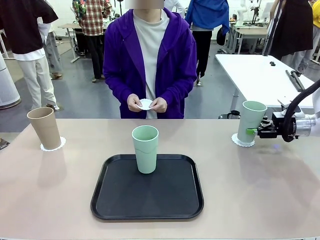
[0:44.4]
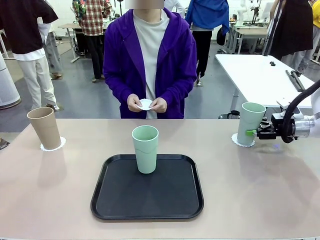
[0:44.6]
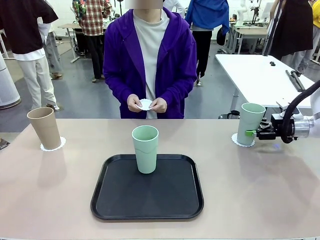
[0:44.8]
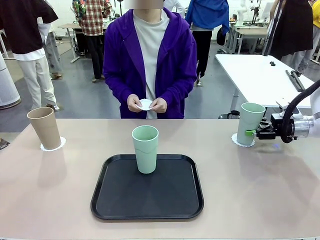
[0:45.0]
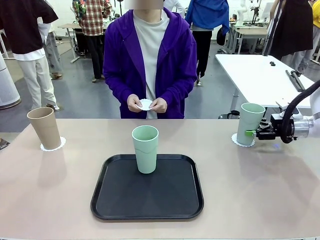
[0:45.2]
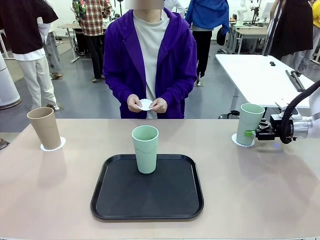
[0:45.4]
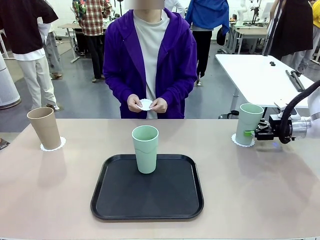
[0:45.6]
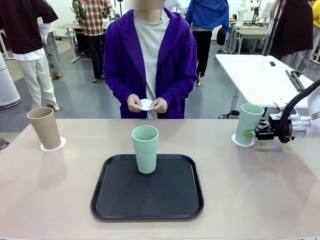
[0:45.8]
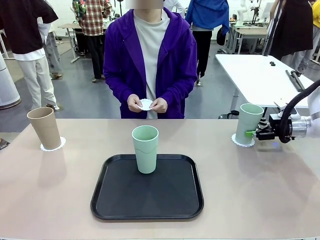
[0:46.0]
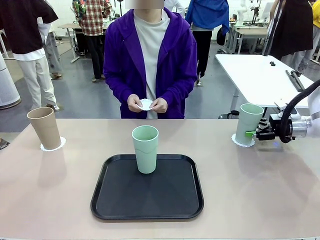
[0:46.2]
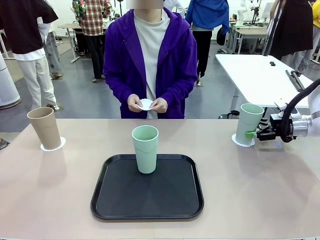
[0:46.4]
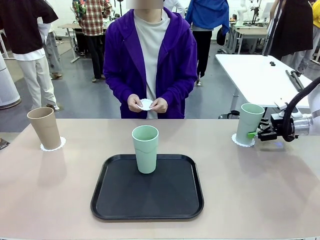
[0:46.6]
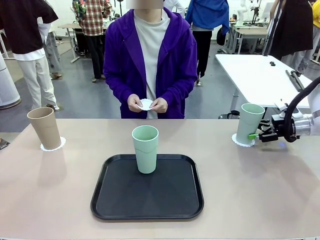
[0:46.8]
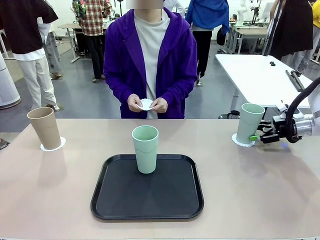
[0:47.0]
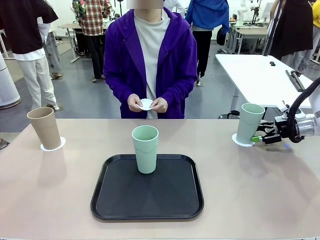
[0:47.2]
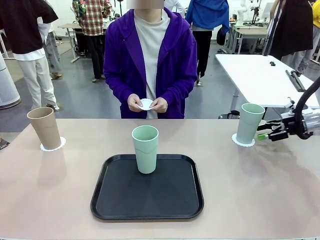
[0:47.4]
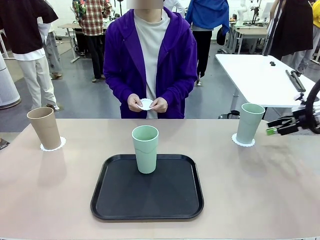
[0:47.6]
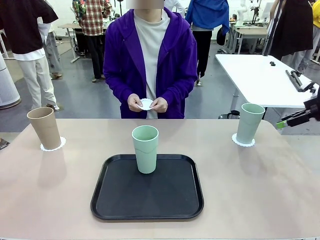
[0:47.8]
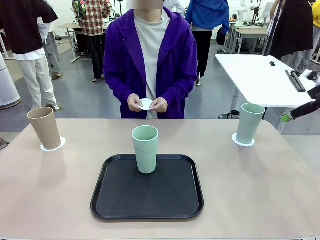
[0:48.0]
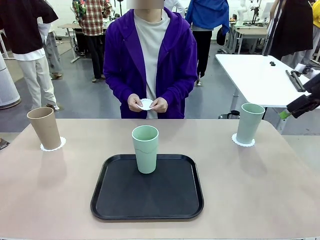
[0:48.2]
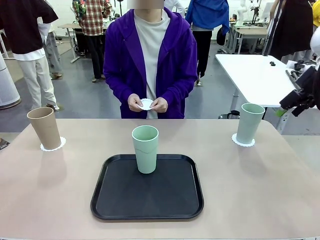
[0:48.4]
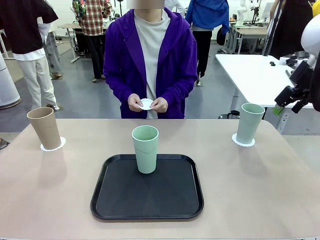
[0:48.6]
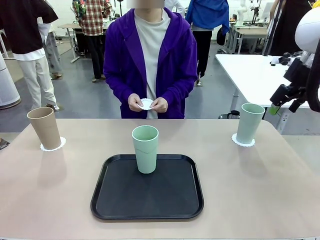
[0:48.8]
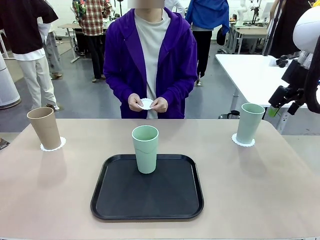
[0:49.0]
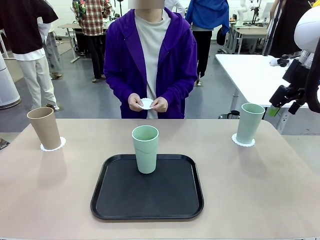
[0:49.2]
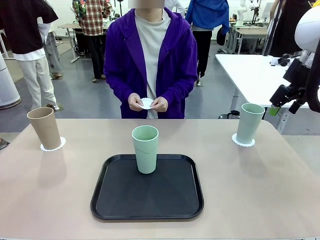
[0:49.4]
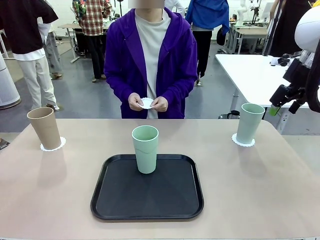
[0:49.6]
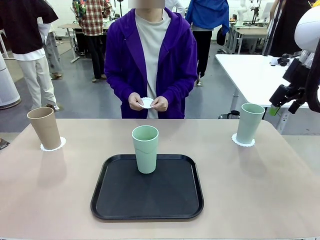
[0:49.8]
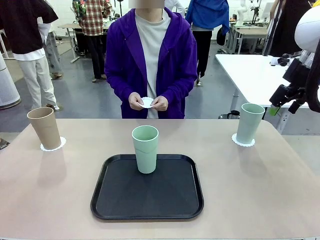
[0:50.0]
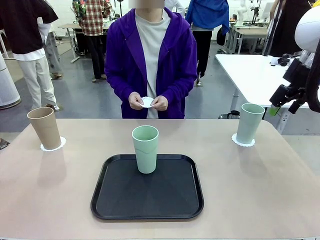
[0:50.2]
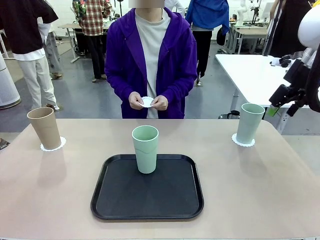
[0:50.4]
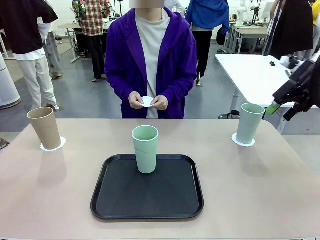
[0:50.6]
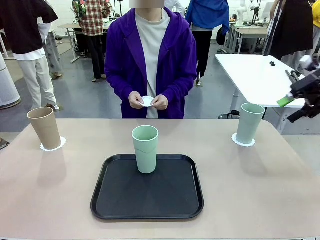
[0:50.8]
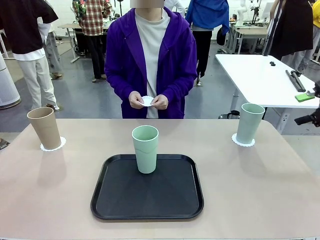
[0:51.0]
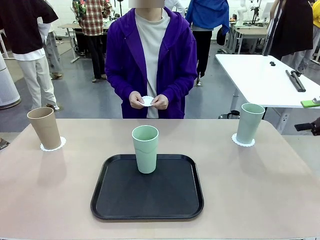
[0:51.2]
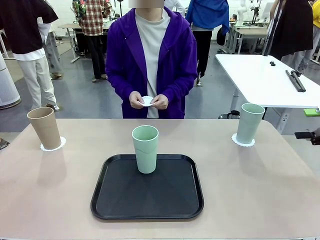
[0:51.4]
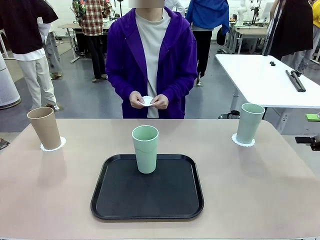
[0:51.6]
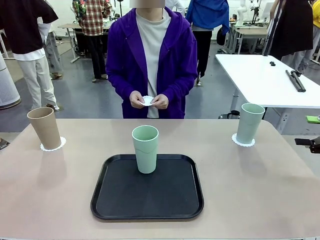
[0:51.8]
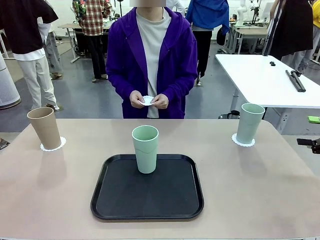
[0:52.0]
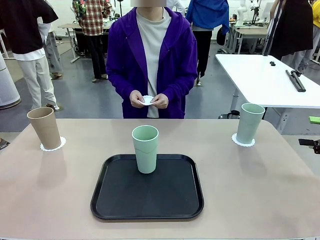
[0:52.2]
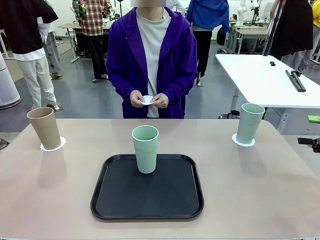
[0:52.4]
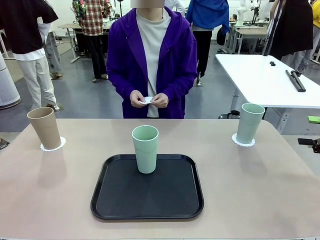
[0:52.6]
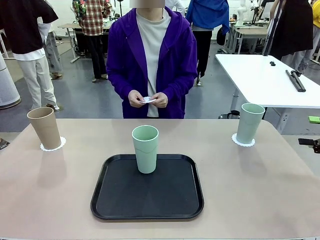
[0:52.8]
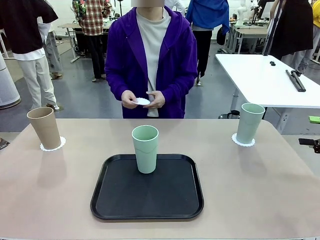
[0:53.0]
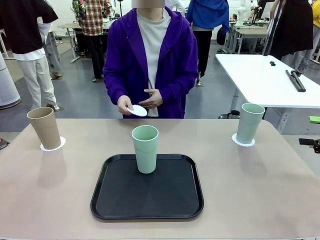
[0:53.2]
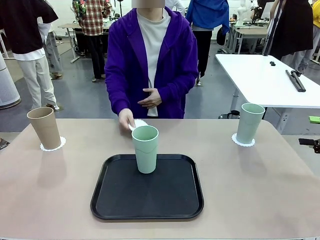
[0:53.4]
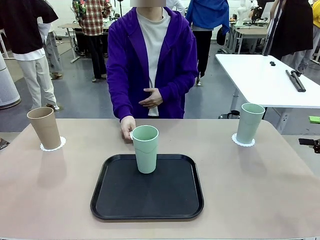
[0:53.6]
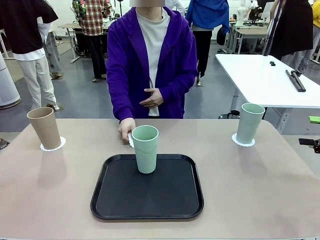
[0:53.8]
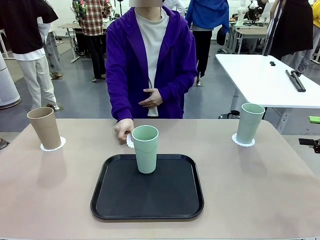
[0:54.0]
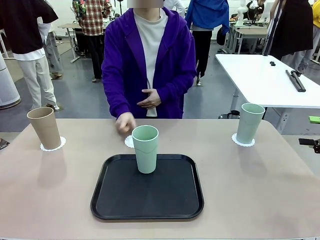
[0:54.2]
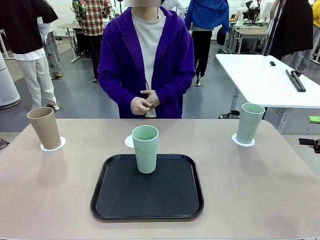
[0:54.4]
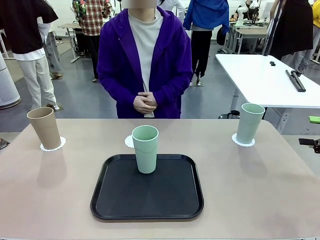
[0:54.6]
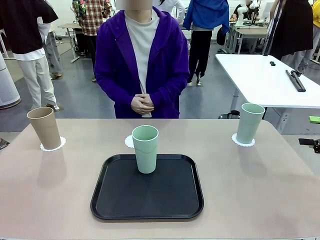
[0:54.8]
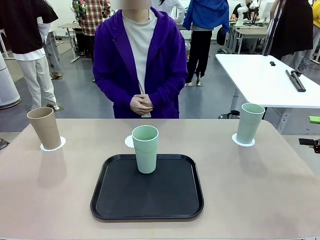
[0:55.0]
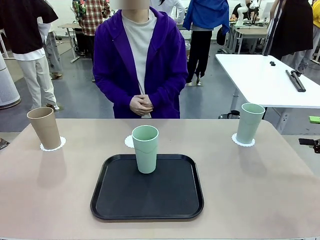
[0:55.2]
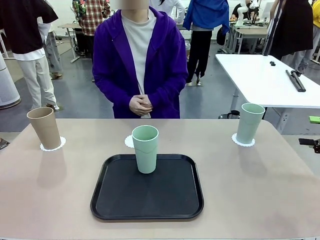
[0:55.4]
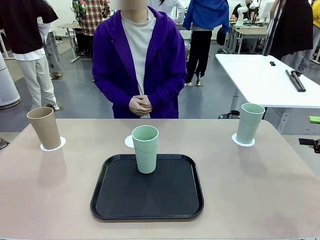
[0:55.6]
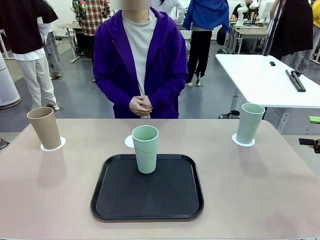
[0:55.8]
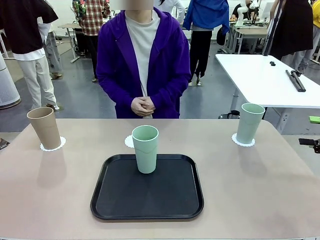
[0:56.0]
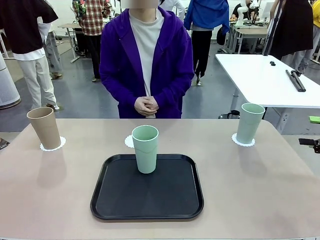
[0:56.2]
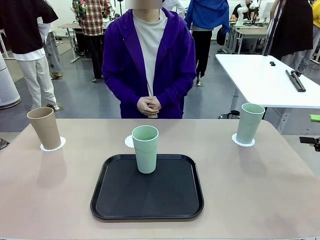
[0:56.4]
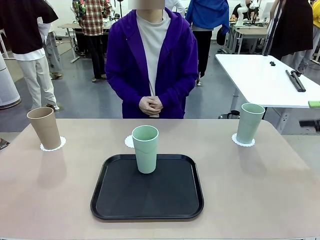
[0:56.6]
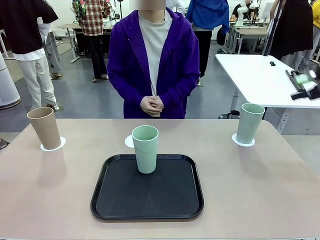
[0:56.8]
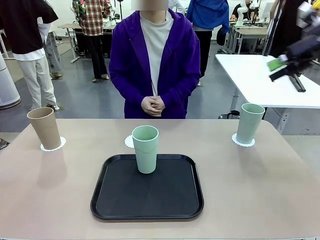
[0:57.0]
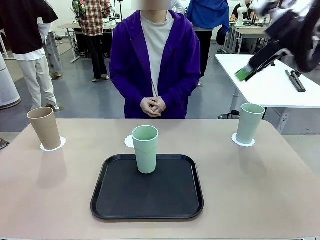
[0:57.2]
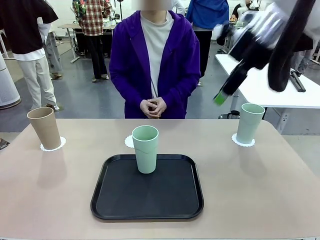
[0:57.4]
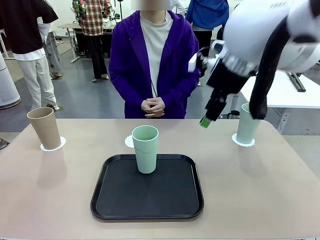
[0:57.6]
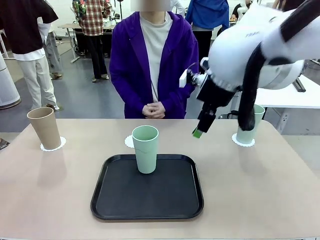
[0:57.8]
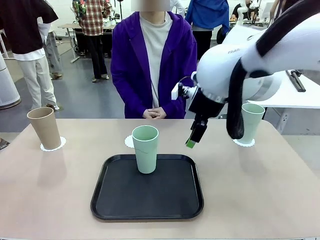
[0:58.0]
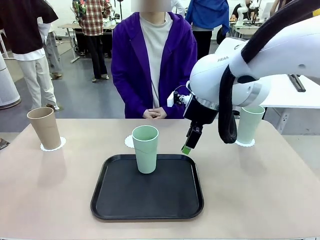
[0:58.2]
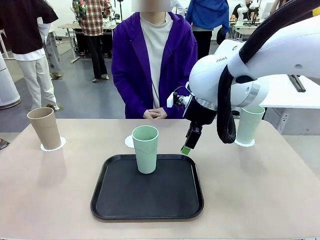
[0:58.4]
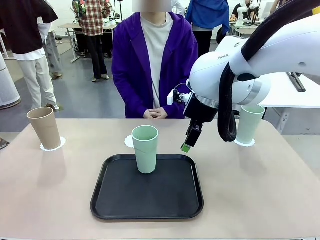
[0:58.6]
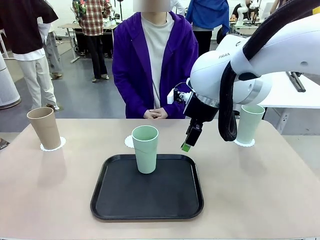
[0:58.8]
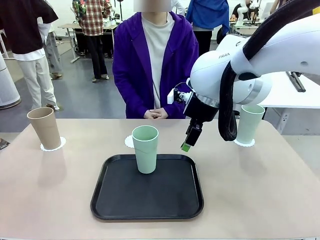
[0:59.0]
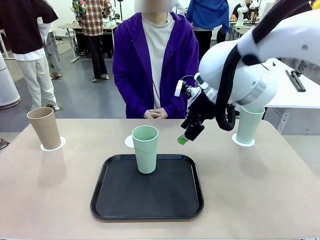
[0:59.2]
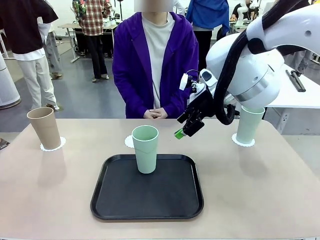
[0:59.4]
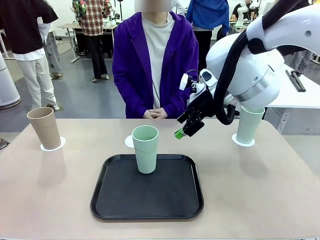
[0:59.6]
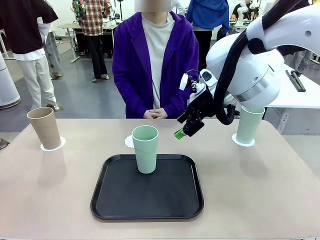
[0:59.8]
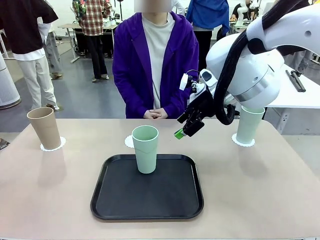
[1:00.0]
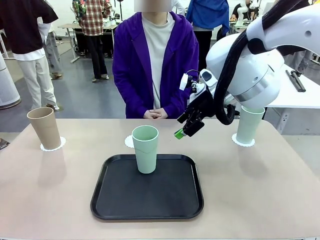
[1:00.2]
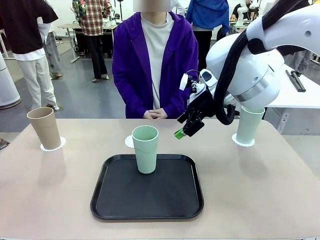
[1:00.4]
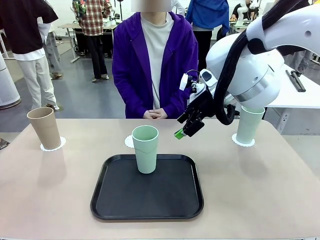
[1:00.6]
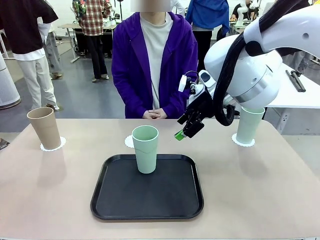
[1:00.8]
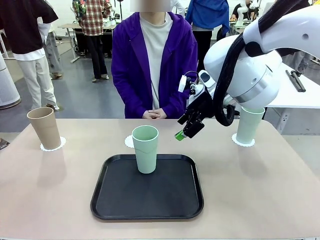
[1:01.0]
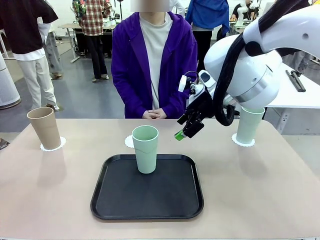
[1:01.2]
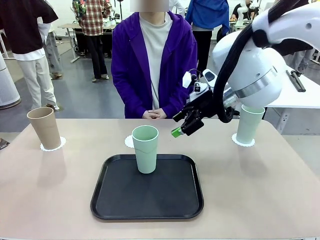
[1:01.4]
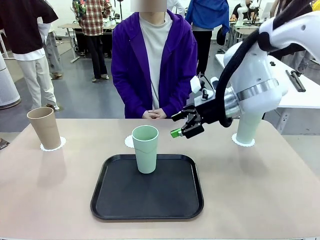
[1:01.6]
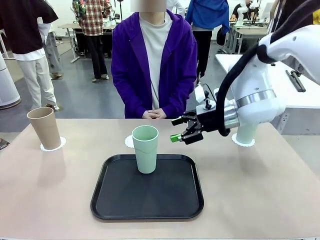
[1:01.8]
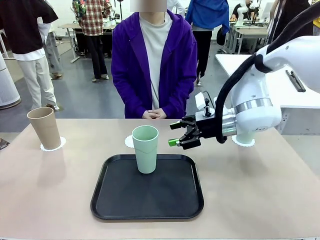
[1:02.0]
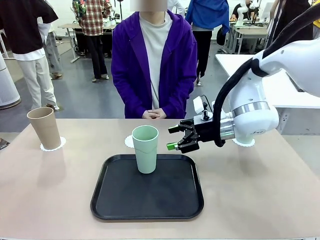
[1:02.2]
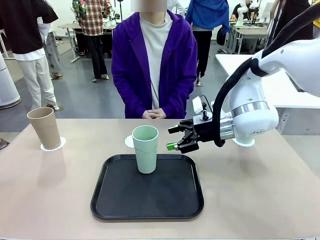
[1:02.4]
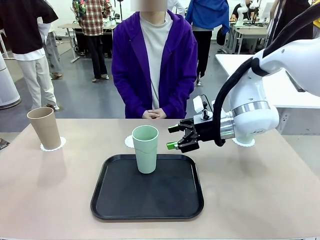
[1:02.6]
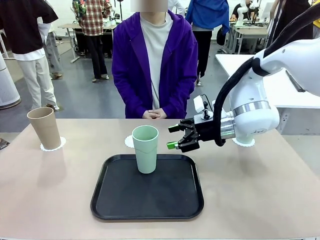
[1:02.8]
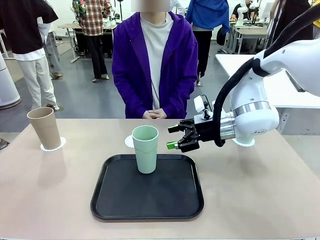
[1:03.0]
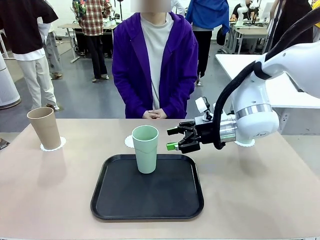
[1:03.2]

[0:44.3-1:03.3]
Task: Place coasters on the table and set cups on them.
Robot: Take one Reusable plastic cup from the Flat Tray and place it on a coaster set by the human.
